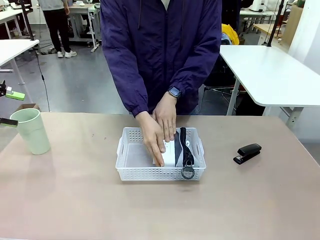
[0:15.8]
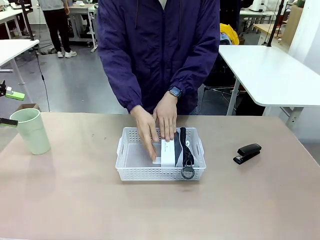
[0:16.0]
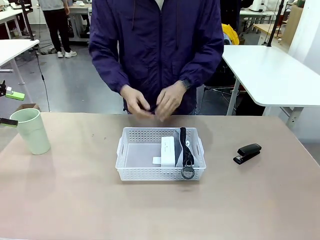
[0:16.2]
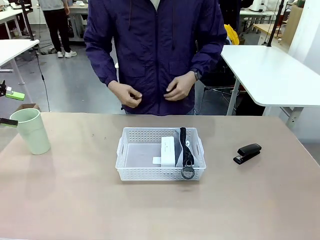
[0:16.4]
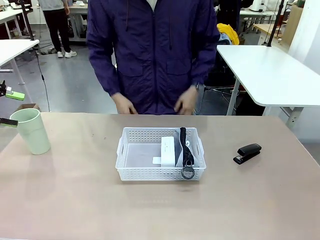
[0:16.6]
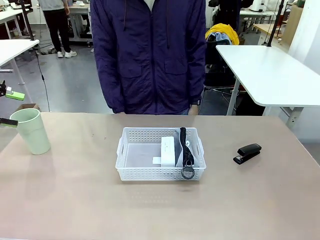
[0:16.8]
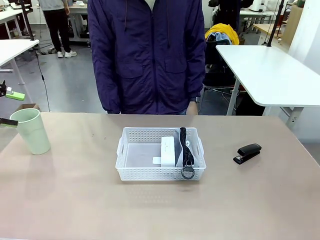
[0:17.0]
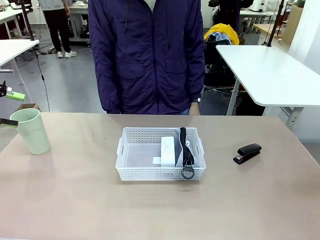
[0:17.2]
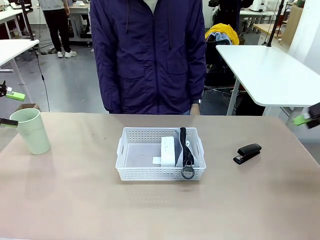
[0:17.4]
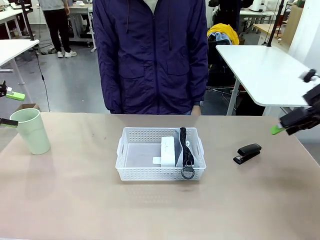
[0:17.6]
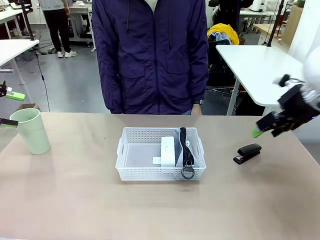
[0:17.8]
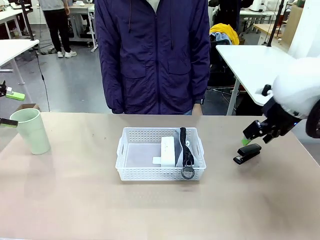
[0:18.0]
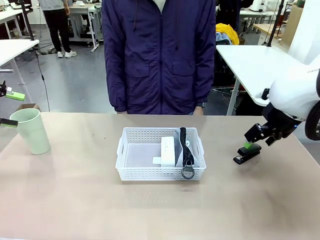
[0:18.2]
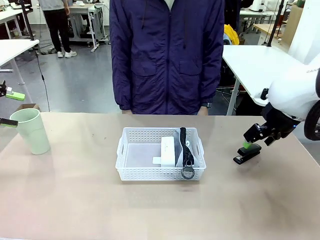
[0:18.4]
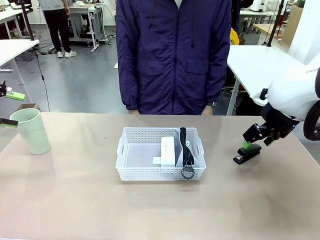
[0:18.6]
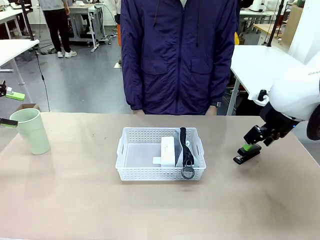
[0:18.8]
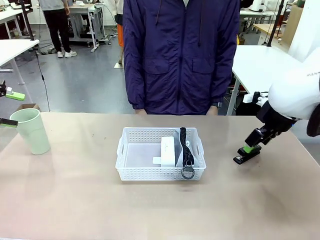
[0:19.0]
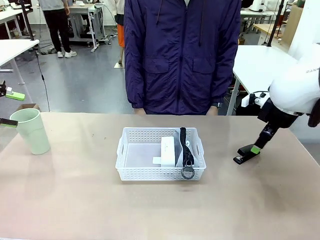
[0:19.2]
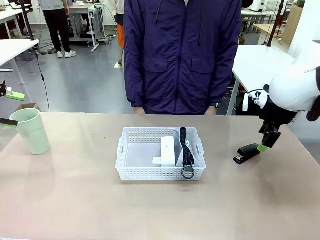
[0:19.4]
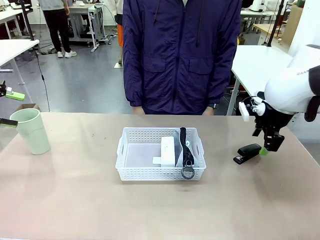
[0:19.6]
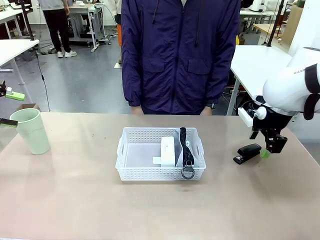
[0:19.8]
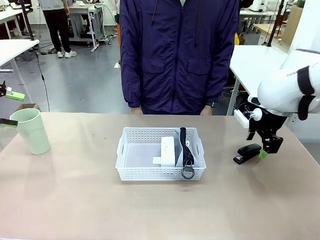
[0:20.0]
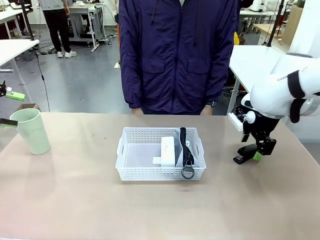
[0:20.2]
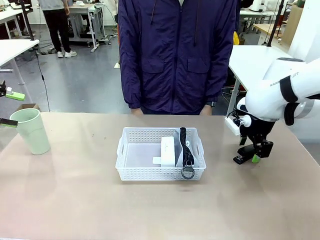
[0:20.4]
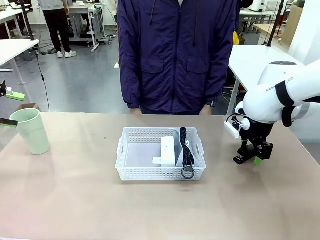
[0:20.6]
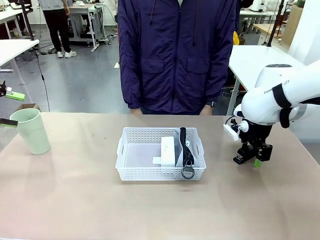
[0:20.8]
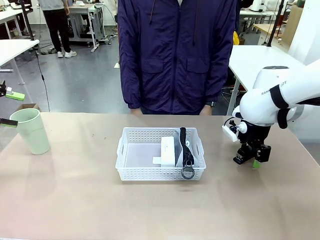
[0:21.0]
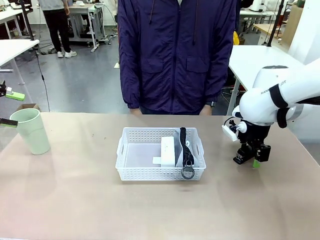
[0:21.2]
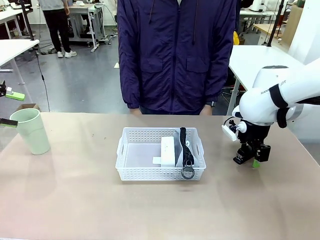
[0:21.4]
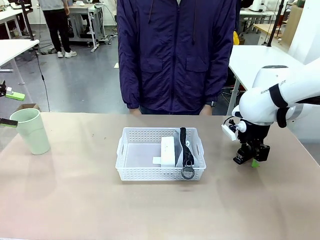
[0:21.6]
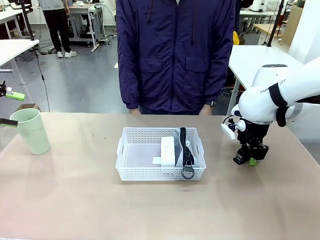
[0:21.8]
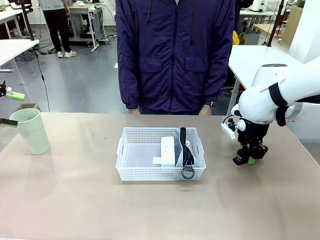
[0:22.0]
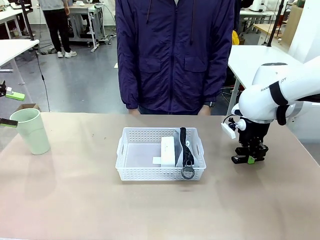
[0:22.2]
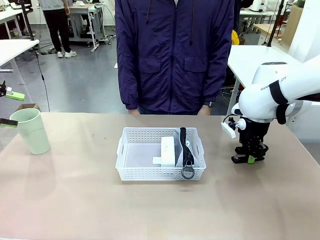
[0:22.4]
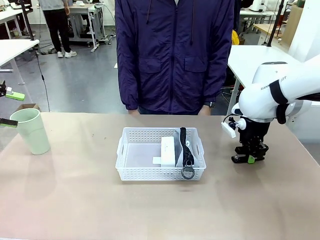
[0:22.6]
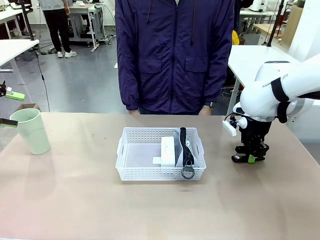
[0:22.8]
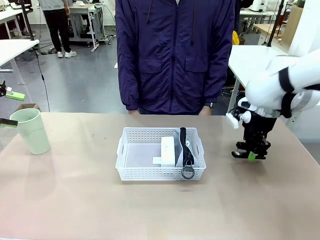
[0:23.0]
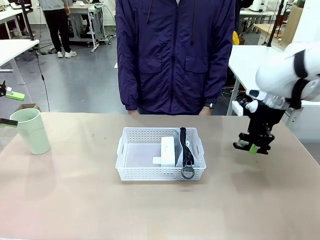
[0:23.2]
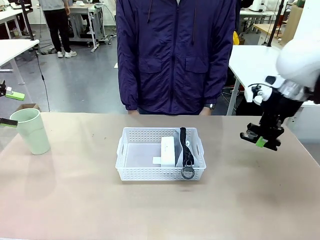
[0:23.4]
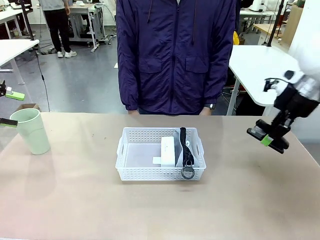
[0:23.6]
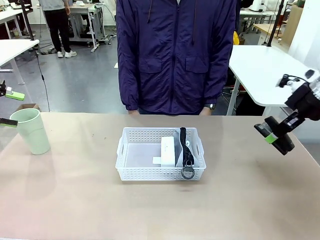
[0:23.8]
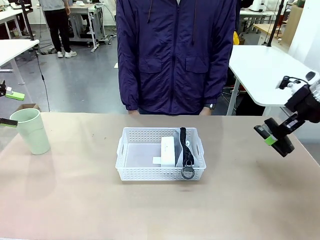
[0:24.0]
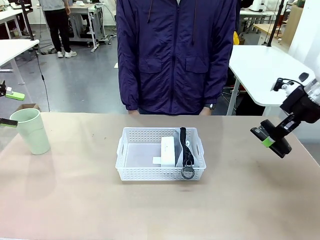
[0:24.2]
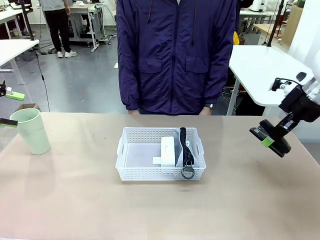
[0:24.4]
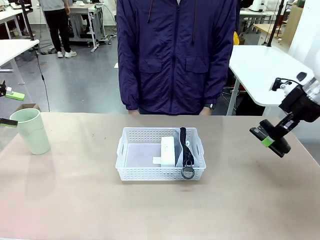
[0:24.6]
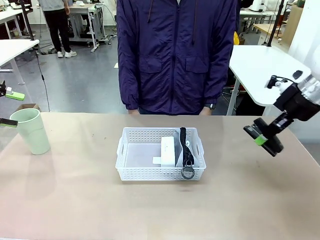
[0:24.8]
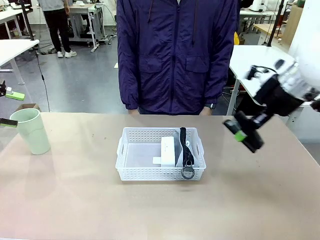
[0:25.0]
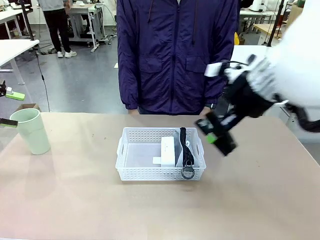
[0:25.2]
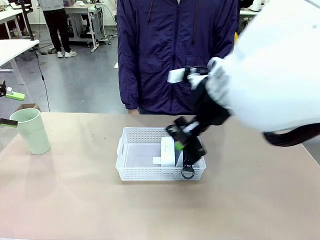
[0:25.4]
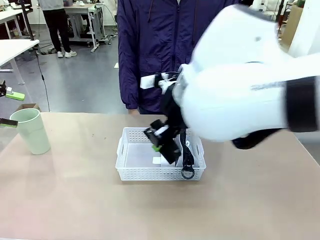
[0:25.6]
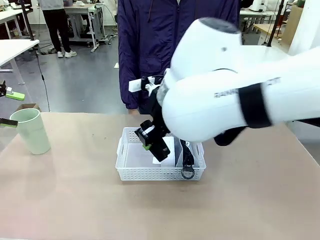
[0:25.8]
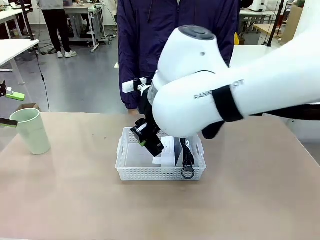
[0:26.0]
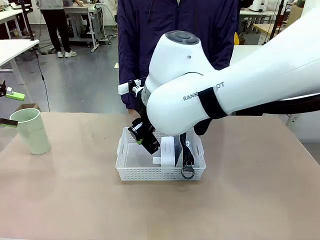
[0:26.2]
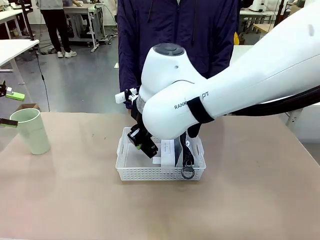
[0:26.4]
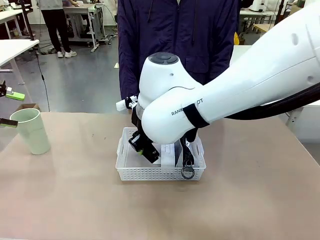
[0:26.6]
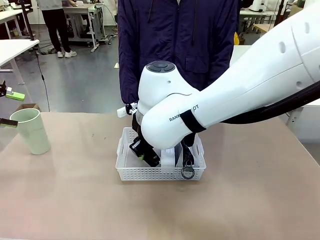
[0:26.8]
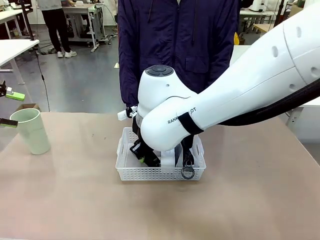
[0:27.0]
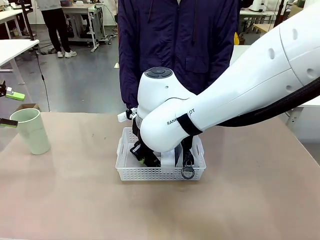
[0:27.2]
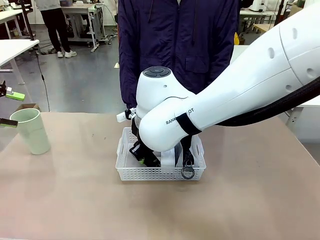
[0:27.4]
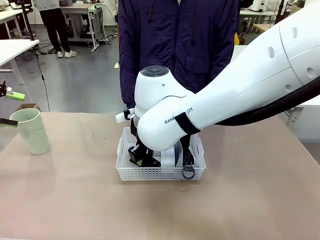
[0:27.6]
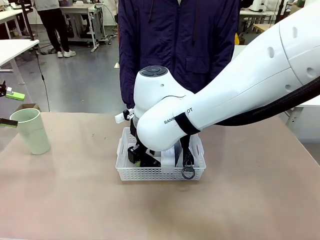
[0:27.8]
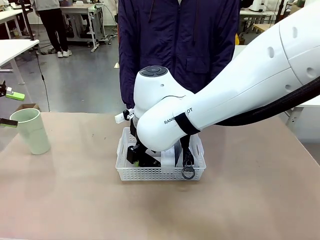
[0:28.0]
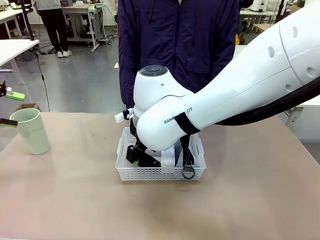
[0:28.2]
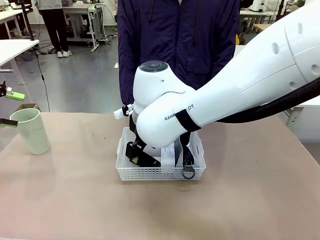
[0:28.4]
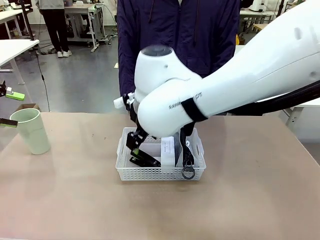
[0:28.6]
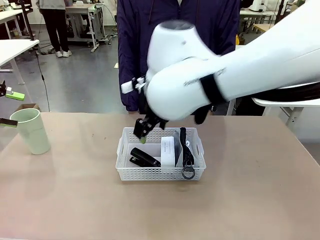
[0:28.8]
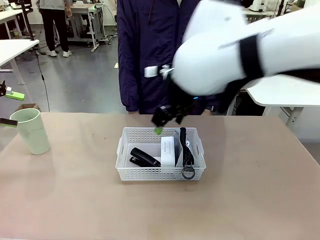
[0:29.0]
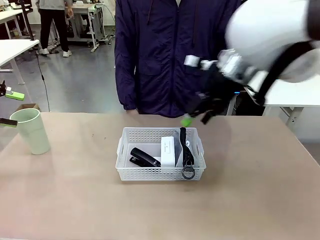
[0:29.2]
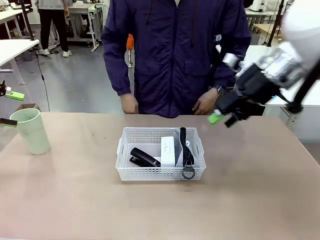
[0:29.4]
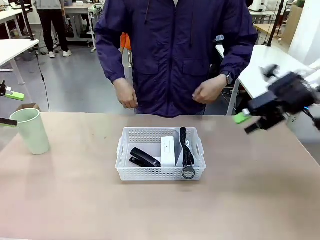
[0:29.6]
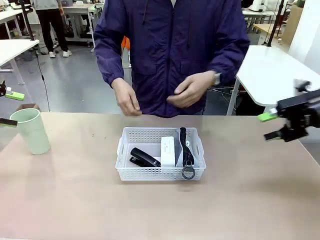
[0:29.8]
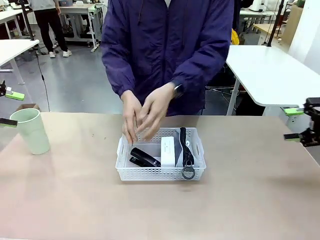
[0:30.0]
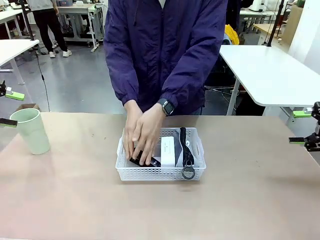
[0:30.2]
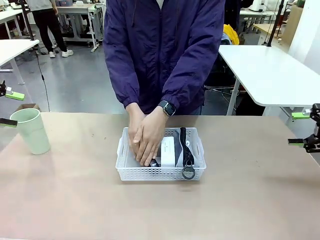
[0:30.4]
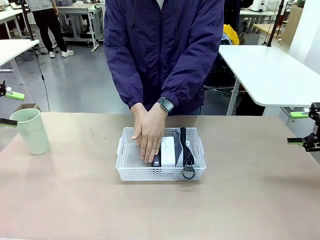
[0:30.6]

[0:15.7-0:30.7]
Task: Efficiently arrange items inside the basket to fit them all.
Robot: Pick up the Stapler and place it inside the Organizing basket.
